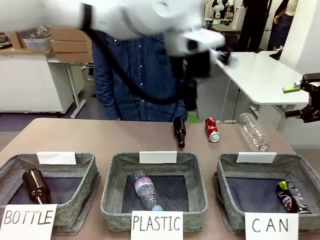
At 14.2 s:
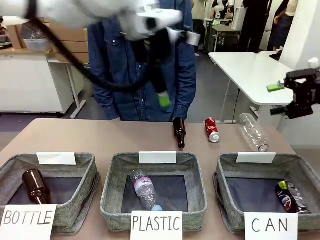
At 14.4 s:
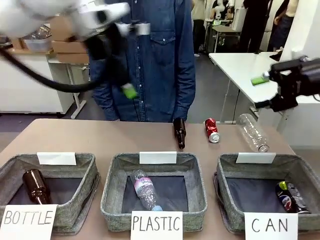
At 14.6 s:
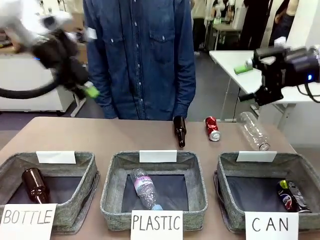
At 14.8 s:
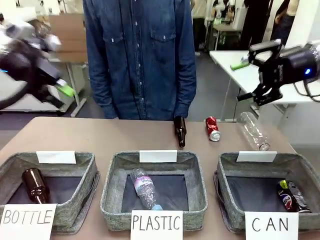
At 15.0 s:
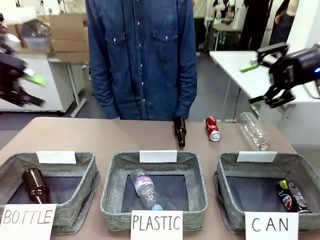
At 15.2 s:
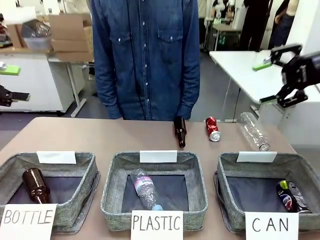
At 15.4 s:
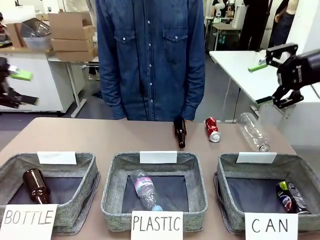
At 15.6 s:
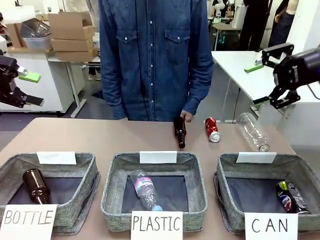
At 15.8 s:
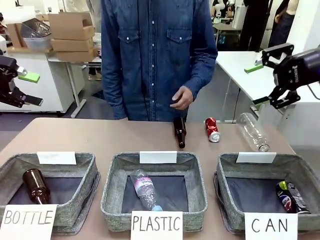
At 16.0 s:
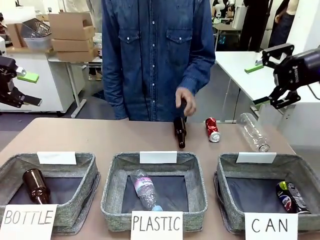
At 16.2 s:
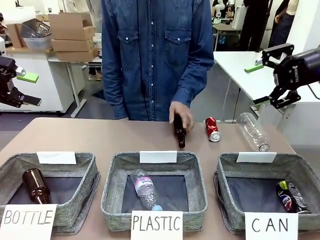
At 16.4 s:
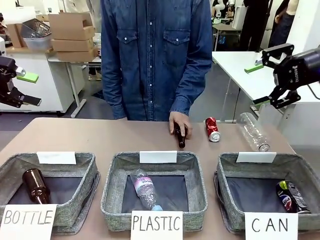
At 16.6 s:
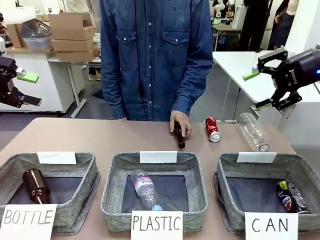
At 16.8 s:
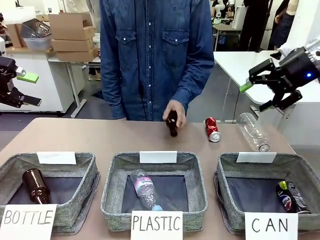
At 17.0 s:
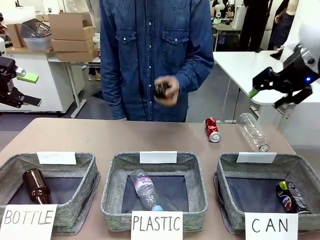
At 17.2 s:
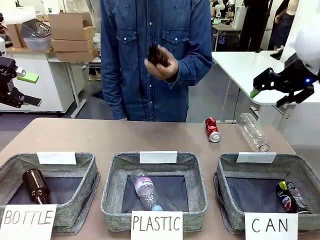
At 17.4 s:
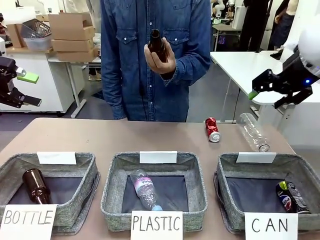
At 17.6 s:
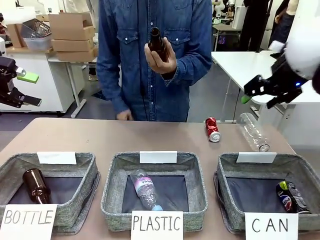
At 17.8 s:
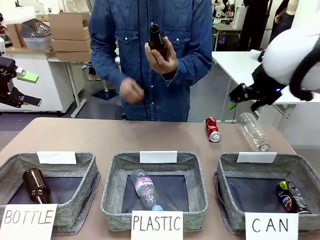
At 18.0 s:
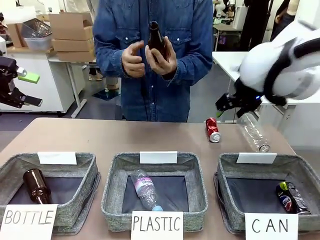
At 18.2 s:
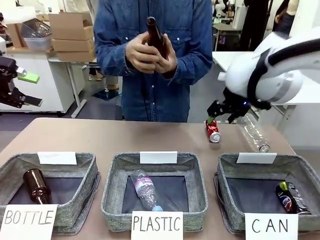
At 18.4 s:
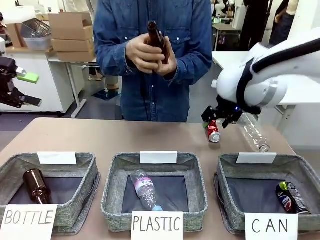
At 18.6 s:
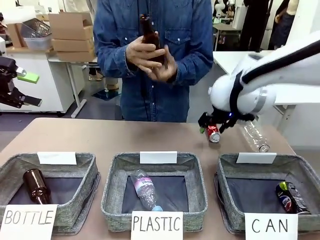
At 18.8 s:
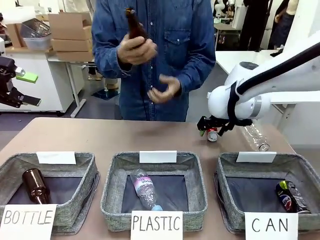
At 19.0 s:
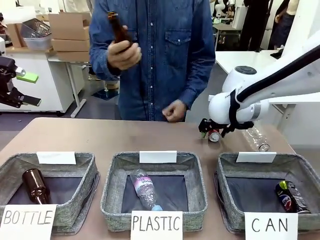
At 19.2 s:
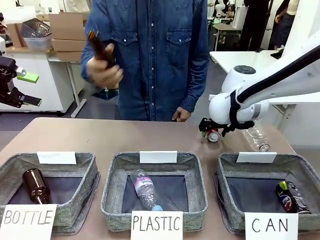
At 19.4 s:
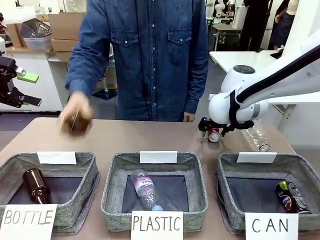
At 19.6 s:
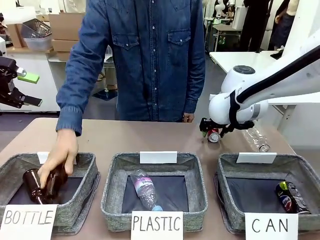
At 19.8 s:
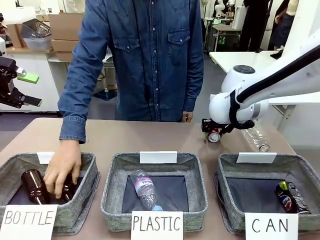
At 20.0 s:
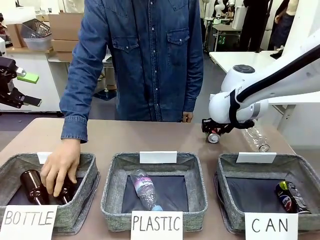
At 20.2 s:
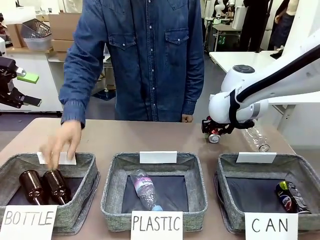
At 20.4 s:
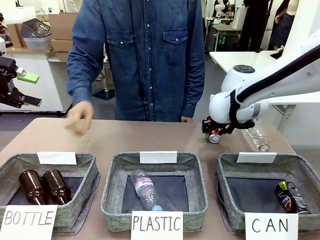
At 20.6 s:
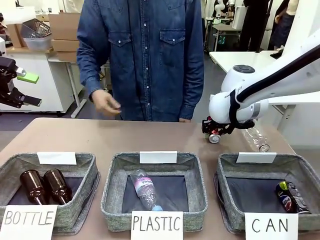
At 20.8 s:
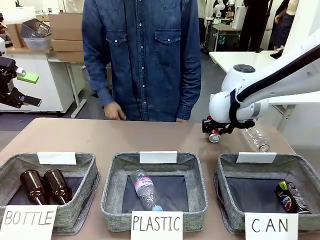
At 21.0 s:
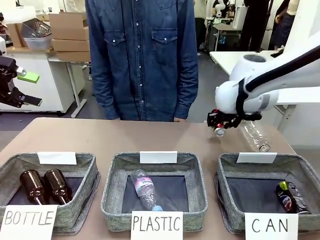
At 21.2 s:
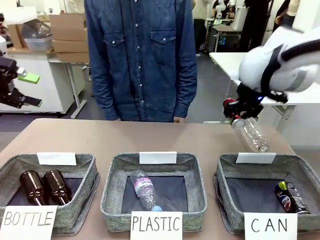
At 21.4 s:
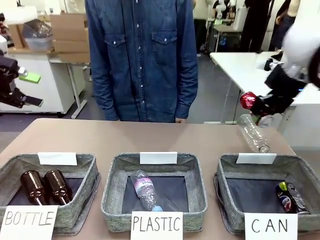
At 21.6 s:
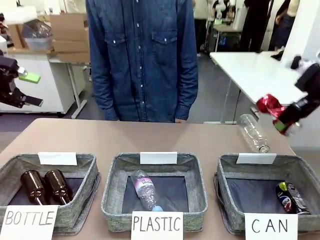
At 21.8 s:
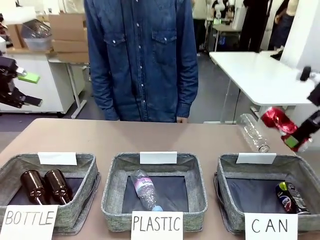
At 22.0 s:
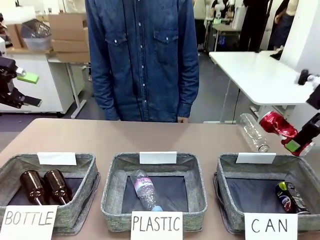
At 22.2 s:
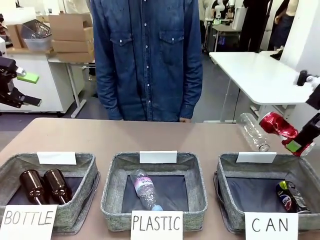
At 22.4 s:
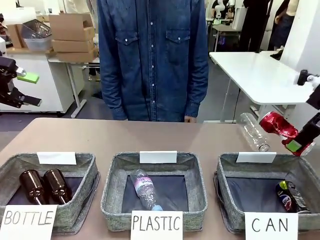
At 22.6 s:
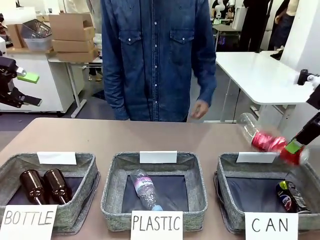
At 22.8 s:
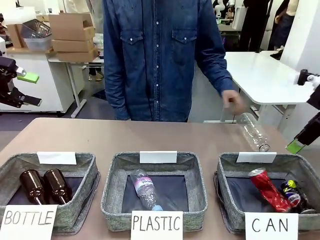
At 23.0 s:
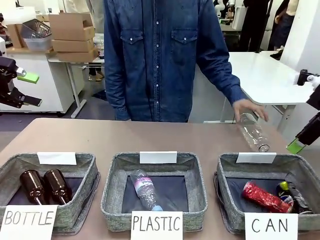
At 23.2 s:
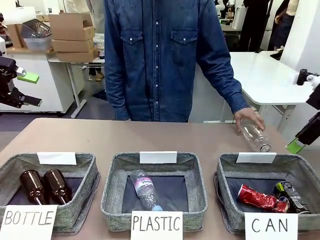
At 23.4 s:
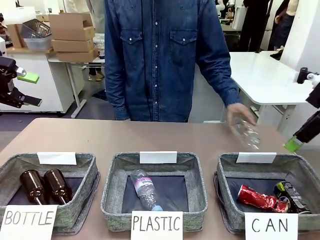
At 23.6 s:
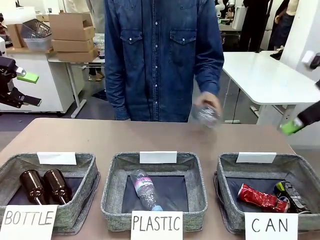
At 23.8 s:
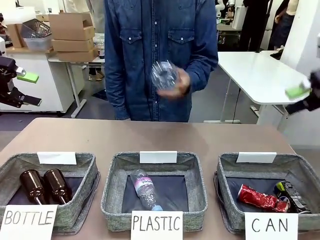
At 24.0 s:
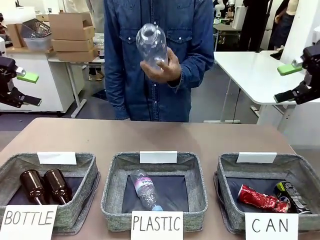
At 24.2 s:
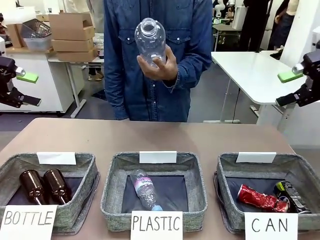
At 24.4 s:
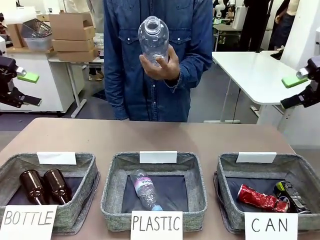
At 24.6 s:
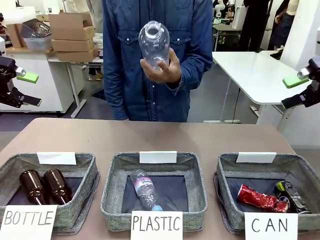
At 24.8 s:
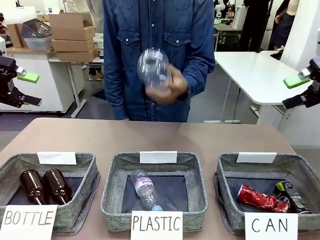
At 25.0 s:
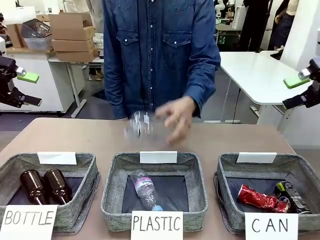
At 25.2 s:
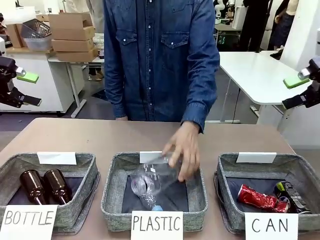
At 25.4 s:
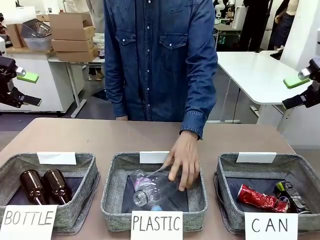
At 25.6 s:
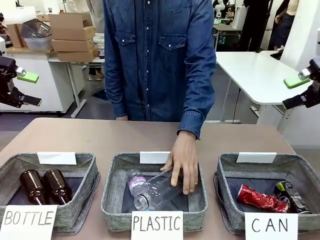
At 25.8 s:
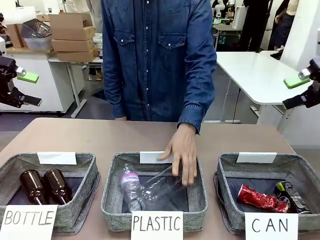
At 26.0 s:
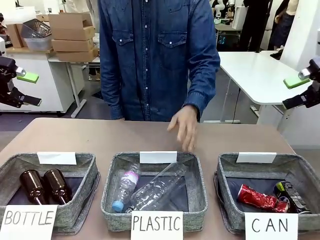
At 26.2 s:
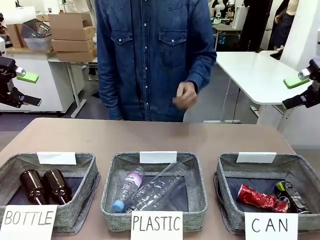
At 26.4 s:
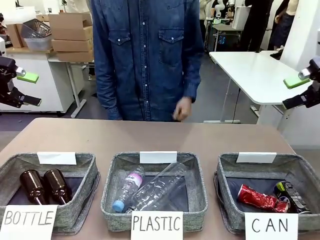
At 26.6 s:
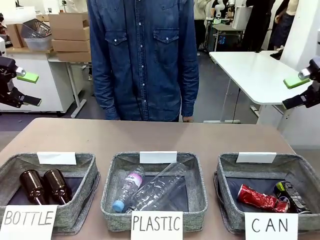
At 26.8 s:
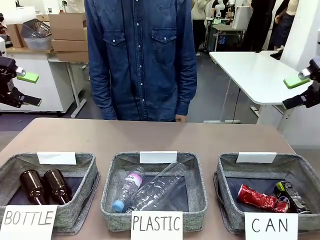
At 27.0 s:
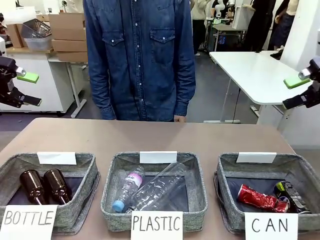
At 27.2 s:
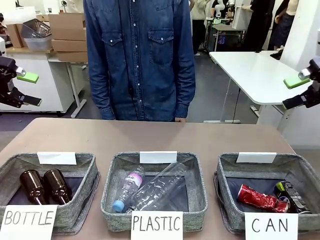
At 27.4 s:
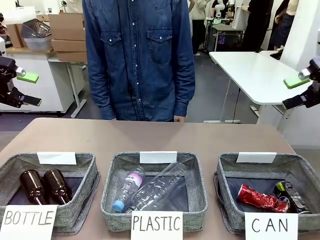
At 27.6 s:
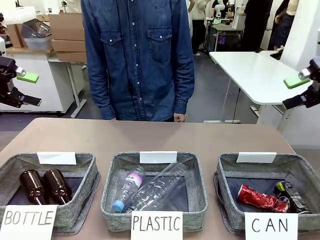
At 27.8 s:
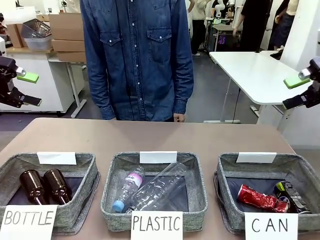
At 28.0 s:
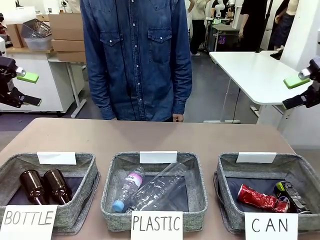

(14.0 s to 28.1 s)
Task: Sort the can waste into the basket.
Robot: Pick up the can waste from the table and place it in the right Fabric basket.
Person: The human picks up one piece of trash that is not a can and places the trash into the appropriate organizing basket.

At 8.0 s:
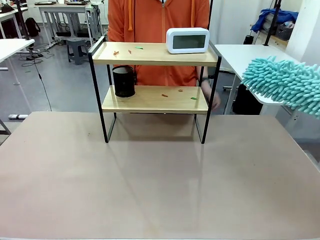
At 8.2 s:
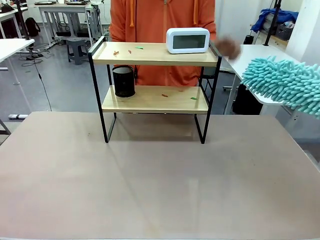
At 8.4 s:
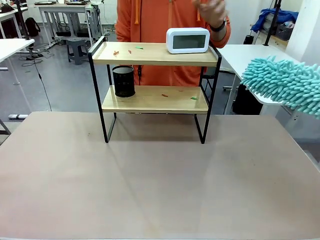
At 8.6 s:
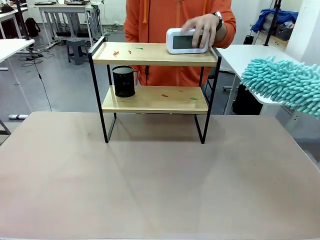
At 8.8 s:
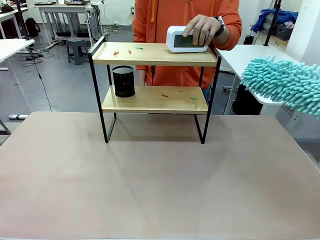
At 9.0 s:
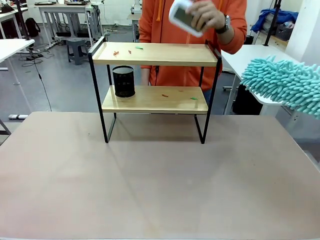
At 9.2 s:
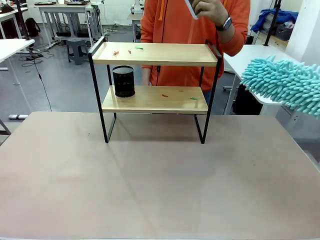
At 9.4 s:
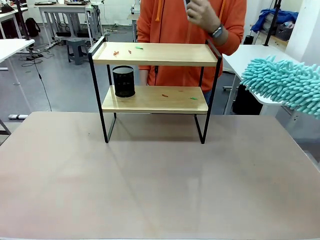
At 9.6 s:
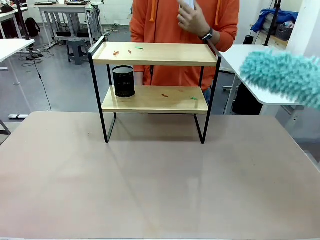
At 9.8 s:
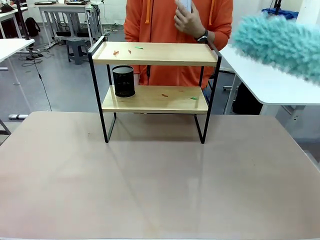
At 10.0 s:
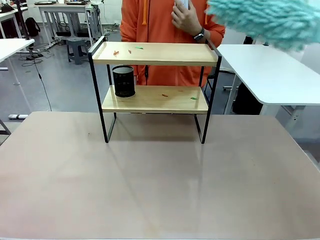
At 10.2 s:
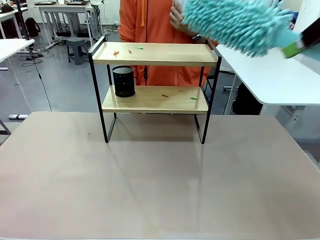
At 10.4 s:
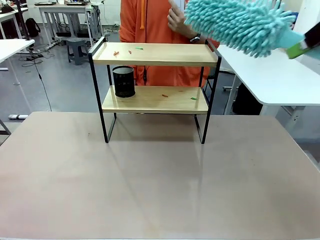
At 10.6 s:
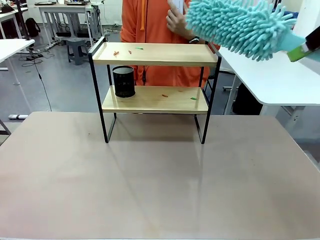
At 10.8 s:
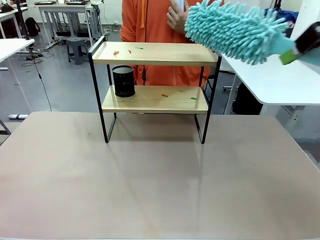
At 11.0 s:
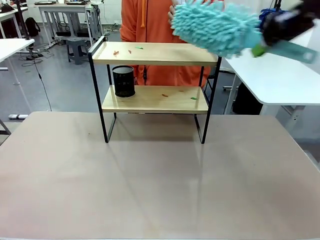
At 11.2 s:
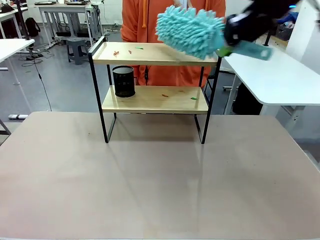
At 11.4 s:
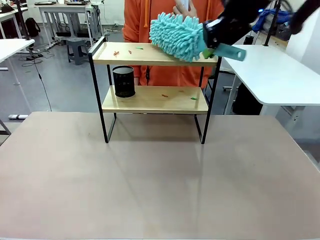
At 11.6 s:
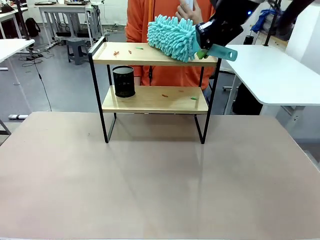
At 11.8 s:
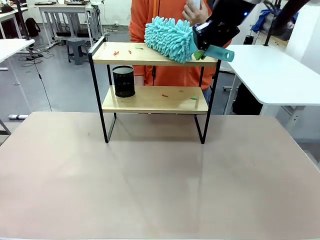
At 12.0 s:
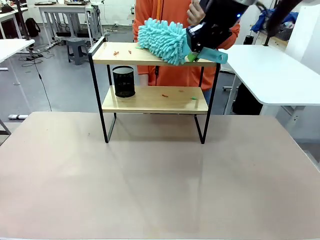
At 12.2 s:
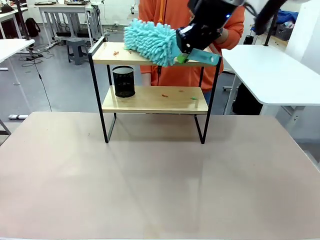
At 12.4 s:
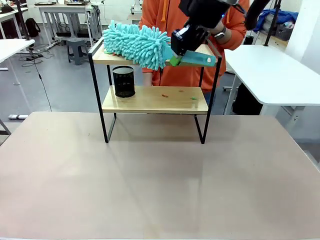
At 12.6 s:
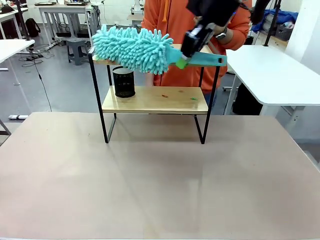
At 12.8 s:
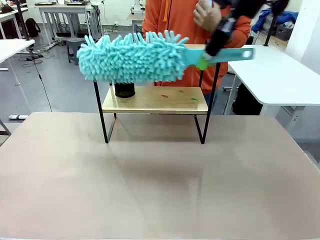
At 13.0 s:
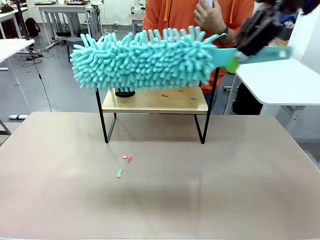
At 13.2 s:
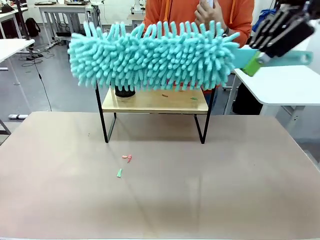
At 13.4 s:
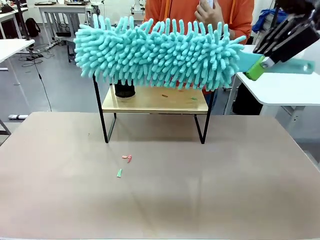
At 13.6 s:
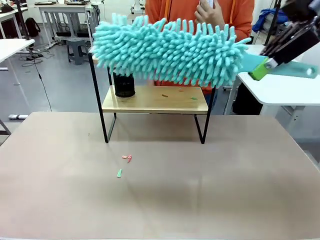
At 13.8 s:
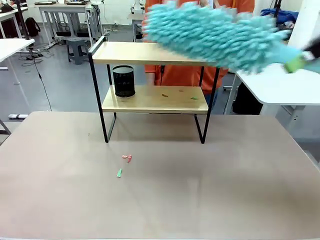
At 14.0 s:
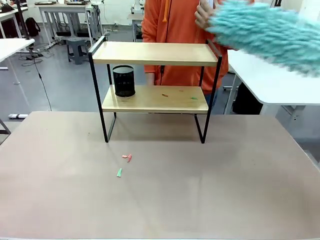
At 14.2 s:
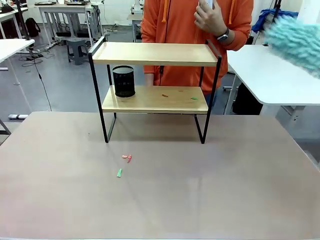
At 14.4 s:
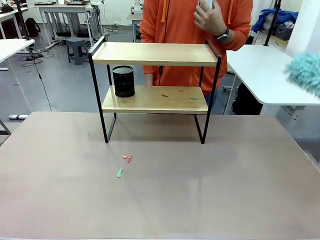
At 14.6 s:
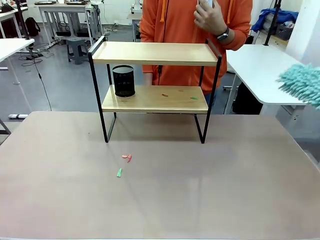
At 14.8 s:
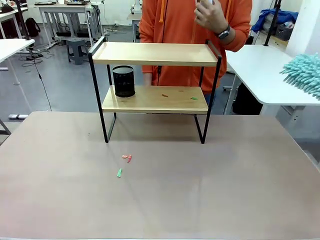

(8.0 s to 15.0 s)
Task: Clean the shelf.
Robot: Clean the specific tier of the Shelf with the Duster once objects are removed.
Person: Lift the objects on a randomly selected tier of the Shelf. Once the robot finishes cleaning, lift the objects on the remaining tiers of the Shelf.
